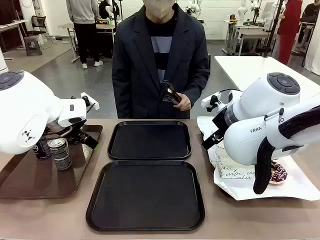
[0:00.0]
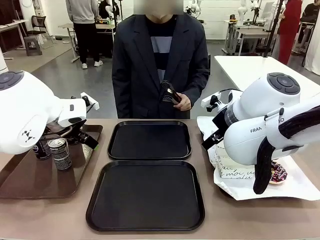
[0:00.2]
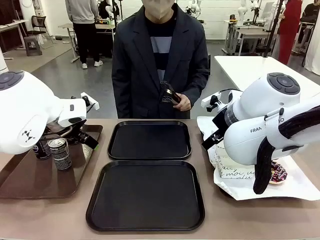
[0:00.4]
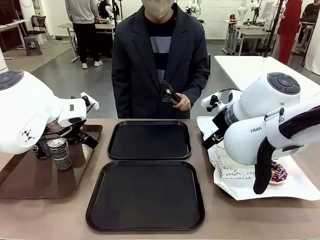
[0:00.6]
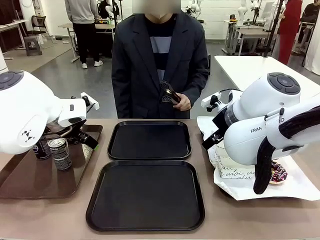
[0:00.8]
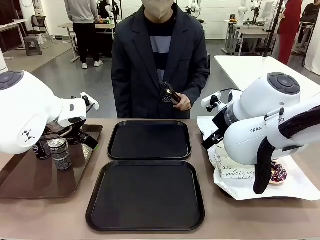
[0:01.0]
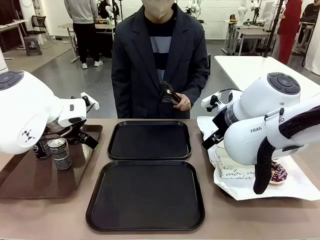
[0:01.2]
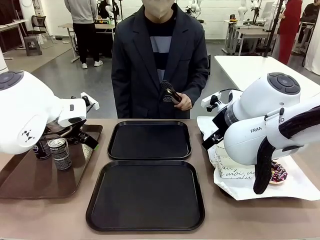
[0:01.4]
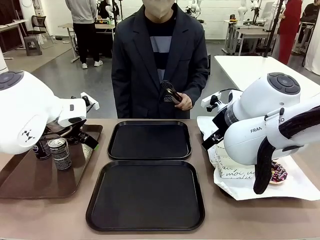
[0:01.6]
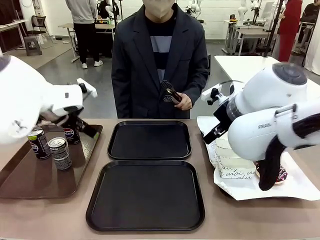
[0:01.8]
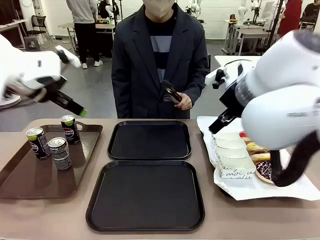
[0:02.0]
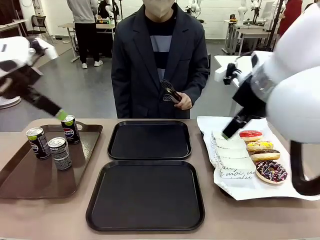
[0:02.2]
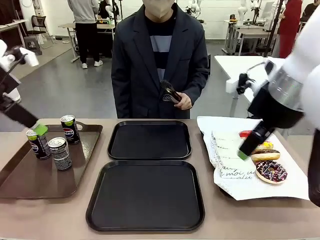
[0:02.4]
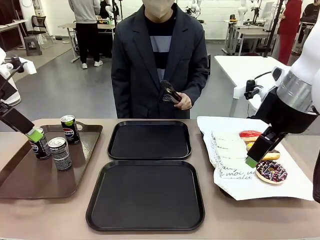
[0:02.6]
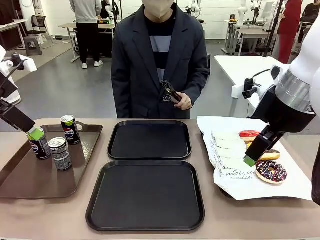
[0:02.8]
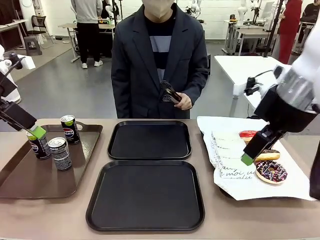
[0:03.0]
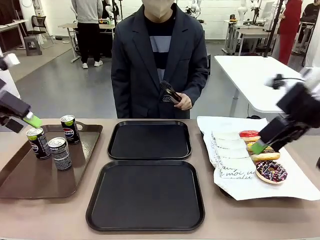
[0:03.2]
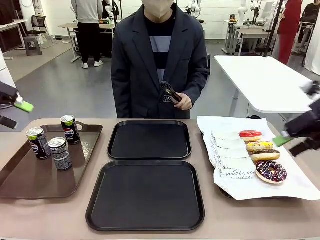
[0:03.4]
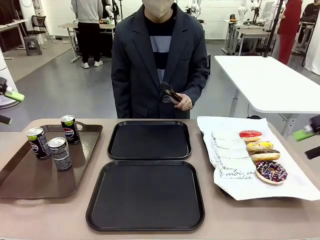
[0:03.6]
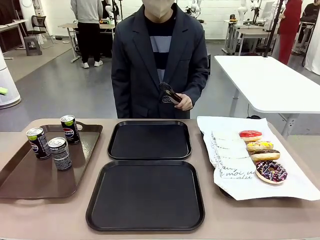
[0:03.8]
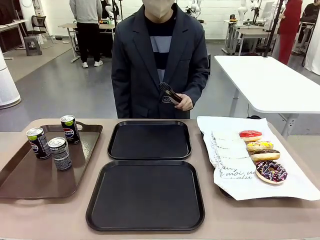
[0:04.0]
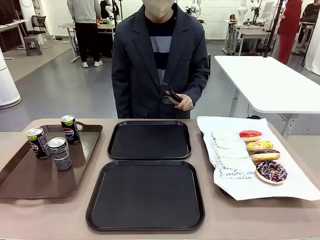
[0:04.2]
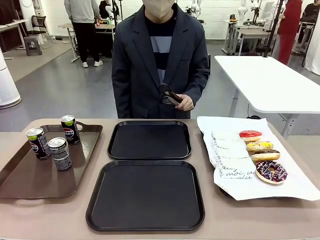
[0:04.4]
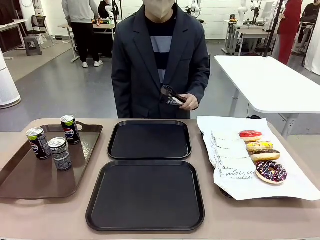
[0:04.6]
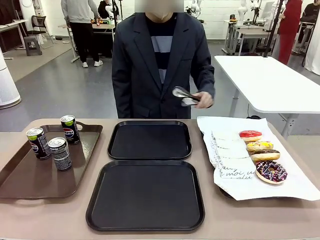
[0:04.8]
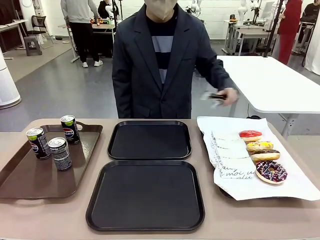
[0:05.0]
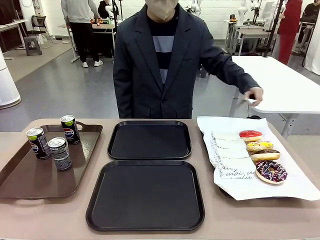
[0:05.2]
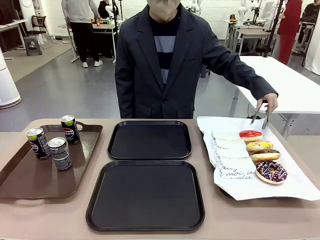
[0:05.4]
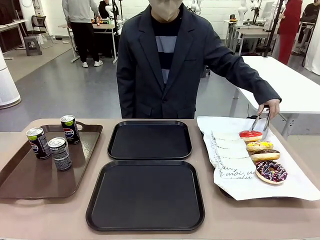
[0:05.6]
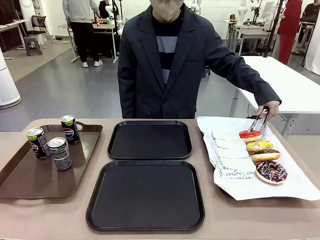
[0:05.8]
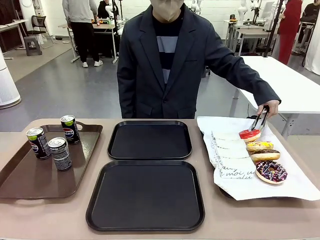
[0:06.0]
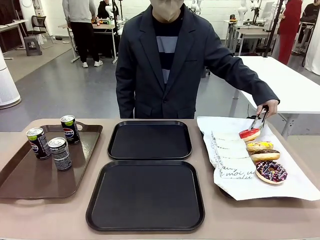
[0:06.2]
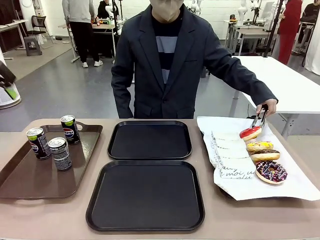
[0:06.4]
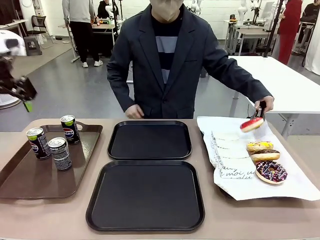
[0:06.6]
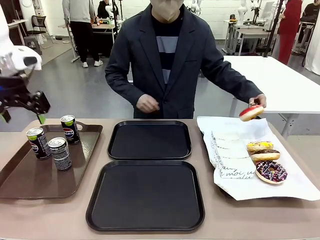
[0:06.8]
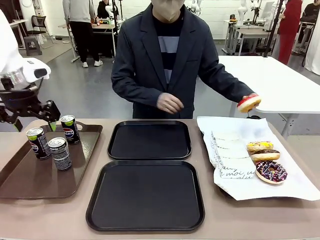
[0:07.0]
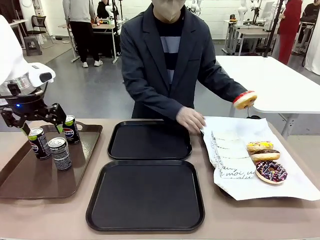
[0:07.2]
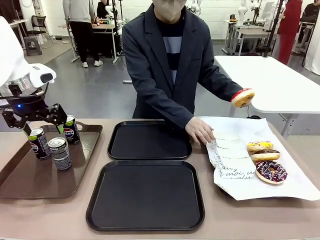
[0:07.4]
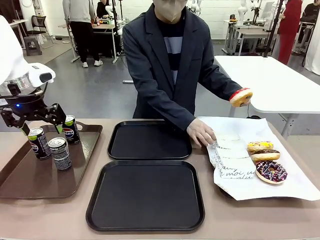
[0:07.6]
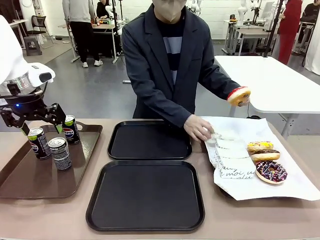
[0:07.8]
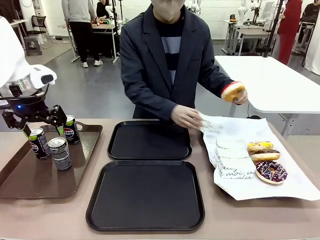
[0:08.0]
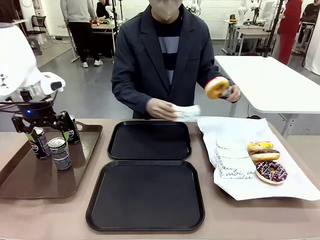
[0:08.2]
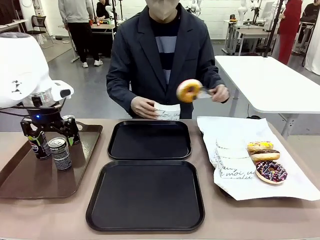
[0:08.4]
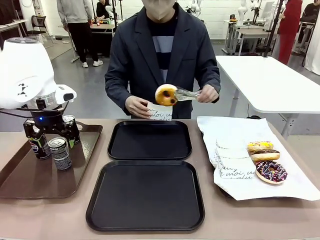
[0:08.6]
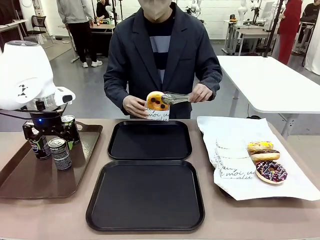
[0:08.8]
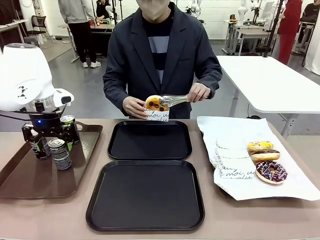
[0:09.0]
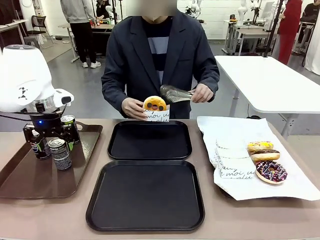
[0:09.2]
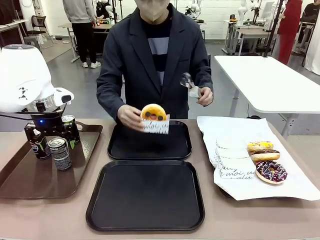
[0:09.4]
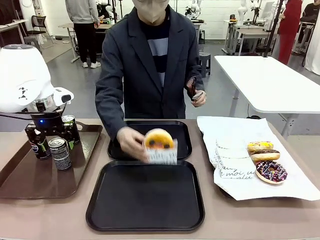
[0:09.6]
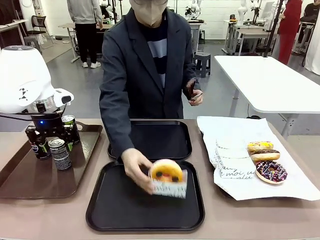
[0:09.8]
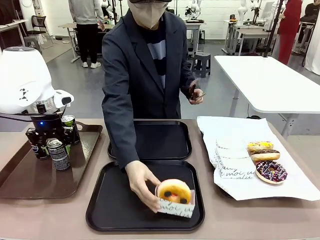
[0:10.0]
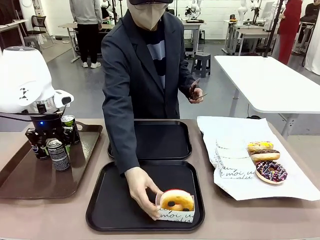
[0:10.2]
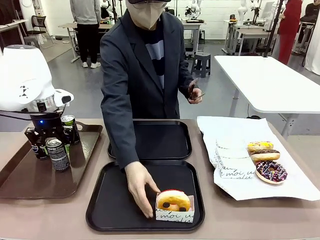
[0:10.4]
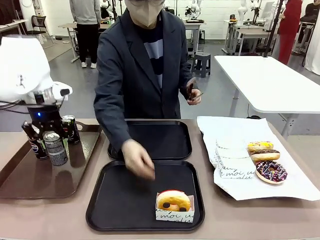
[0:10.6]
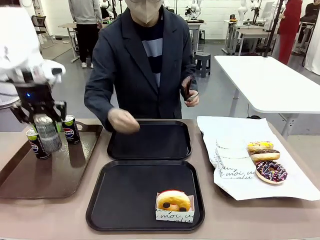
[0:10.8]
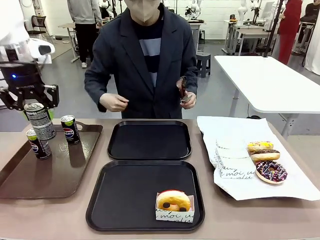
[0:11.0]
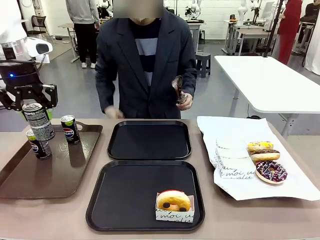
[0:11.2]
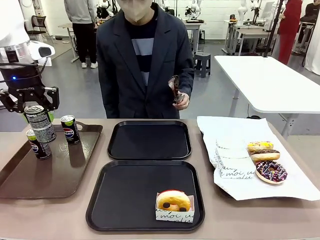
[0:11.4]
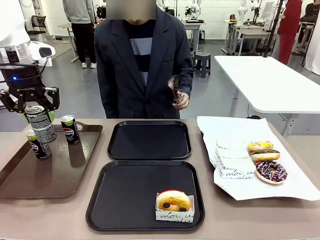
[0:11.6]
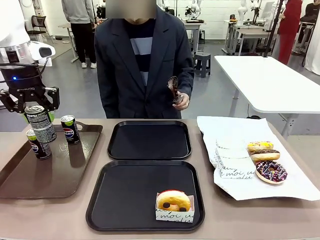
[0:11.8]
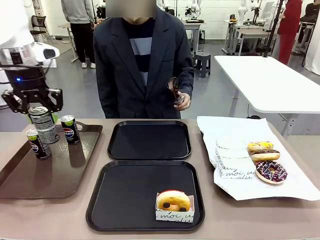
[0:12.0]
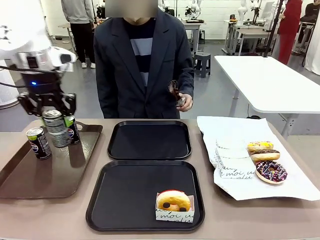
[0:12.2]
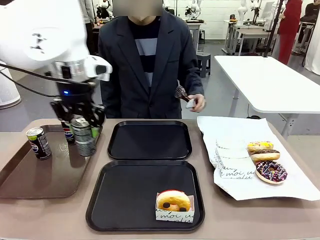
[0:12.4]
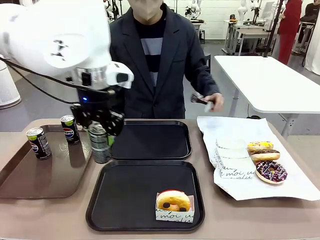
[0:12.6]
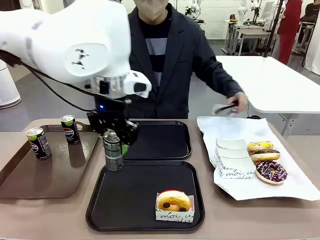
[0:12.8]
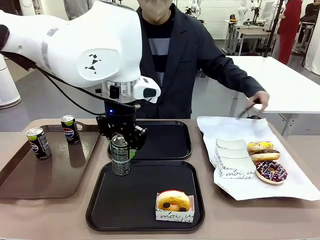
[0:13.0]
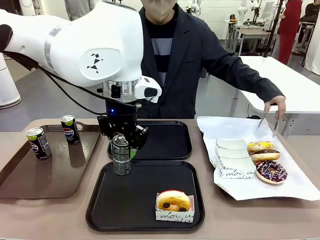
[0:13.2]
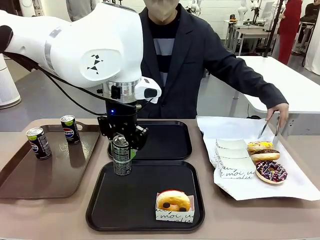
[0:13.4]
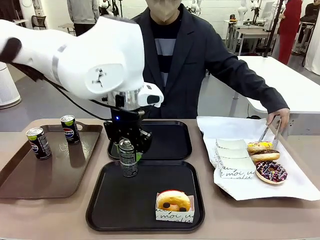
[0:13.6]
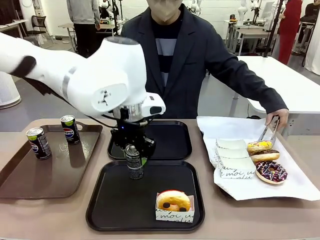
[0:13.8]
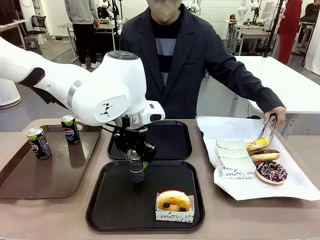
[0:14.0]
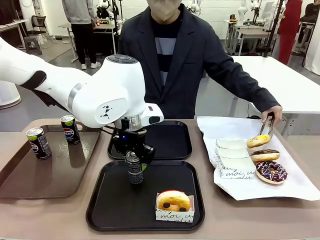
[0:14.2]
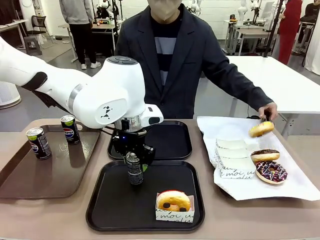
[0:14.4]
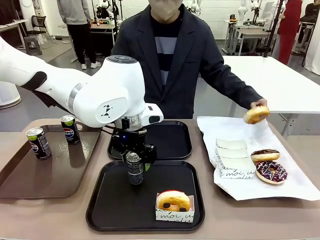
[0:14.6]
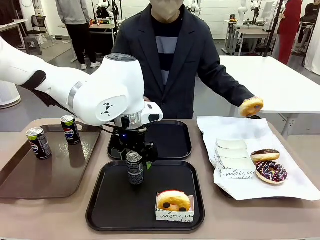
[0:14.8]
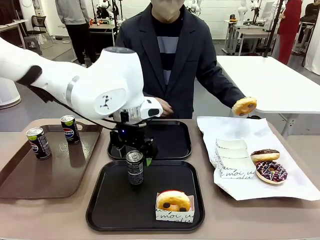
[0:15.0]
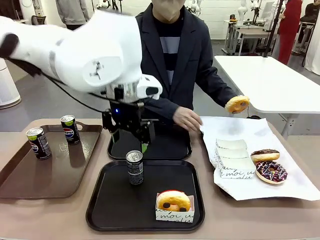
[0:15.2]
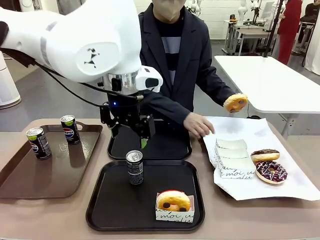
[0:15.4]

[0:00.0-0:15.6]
Task: Set up donuts and drinks on trays.
Robot: Pick up one Pepsi coke and place it on the Flat Tray.

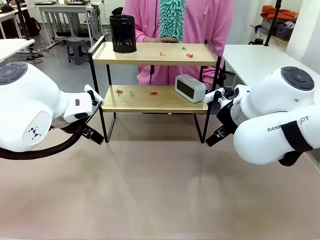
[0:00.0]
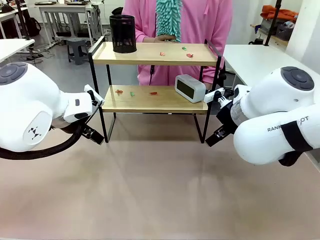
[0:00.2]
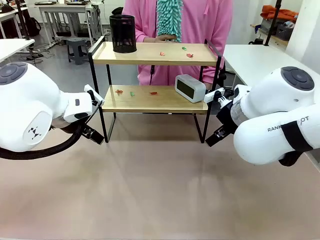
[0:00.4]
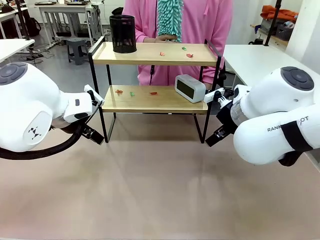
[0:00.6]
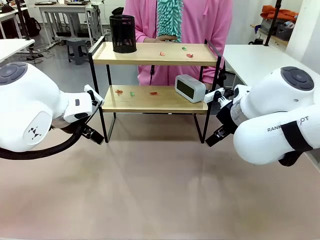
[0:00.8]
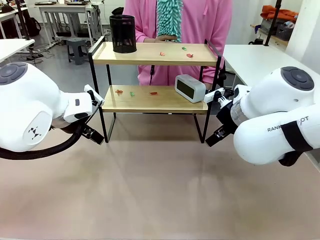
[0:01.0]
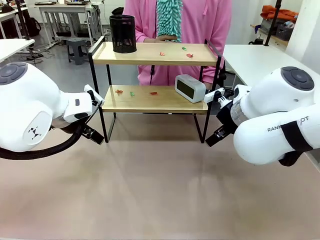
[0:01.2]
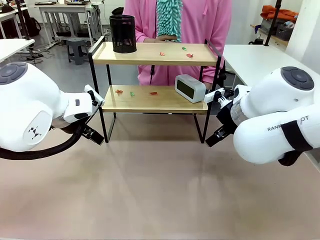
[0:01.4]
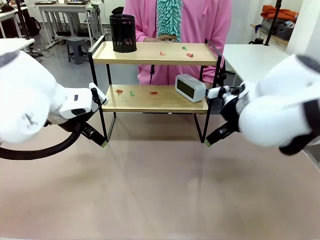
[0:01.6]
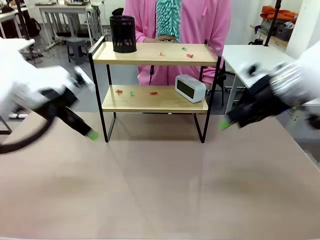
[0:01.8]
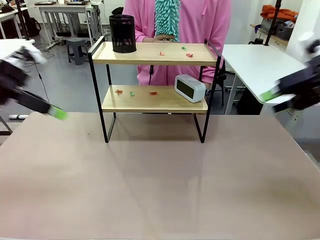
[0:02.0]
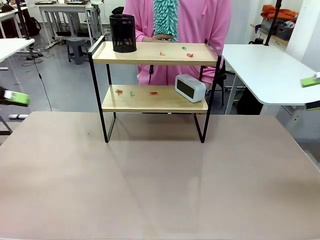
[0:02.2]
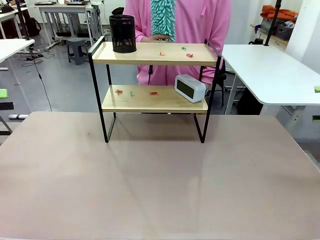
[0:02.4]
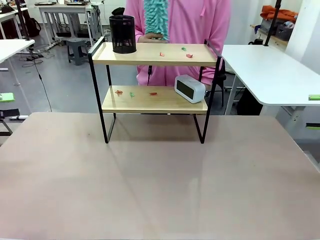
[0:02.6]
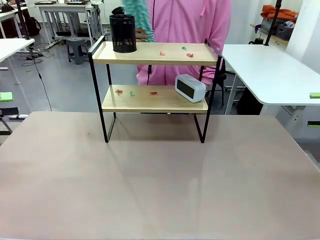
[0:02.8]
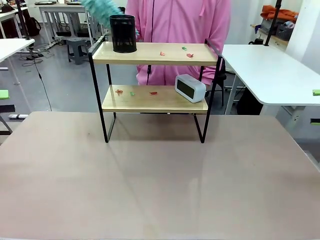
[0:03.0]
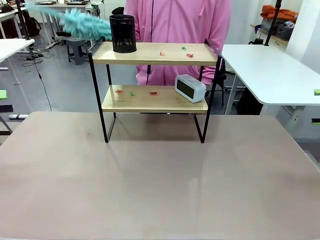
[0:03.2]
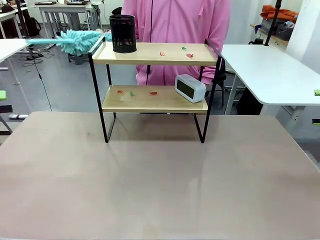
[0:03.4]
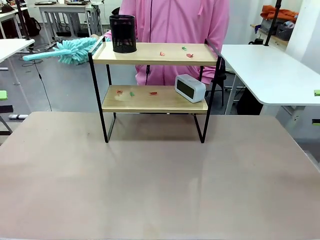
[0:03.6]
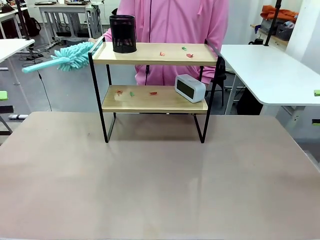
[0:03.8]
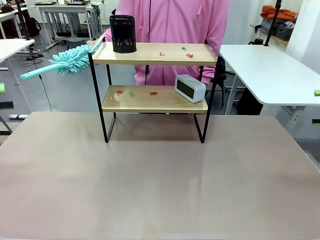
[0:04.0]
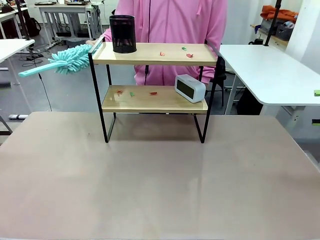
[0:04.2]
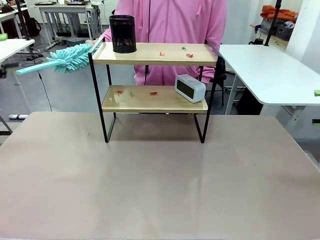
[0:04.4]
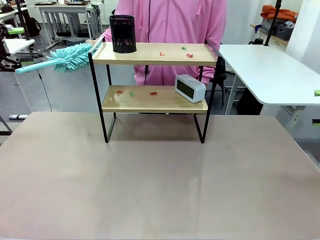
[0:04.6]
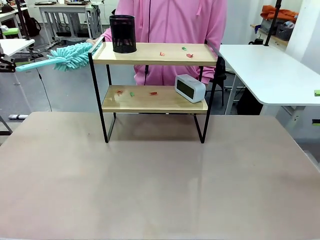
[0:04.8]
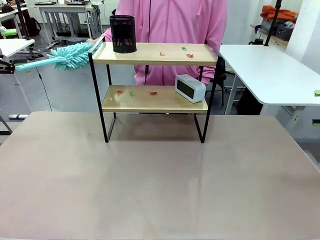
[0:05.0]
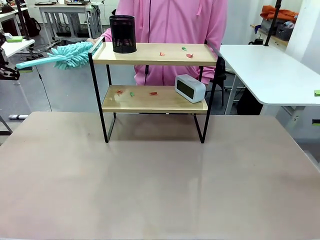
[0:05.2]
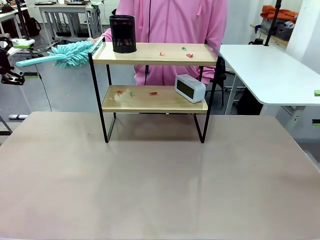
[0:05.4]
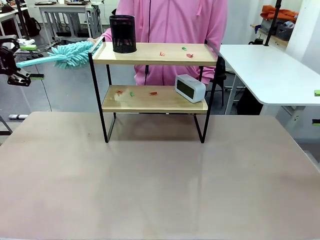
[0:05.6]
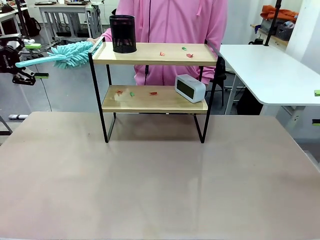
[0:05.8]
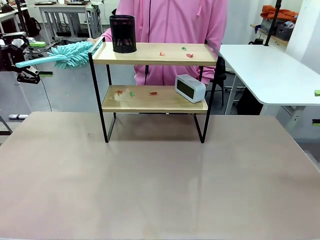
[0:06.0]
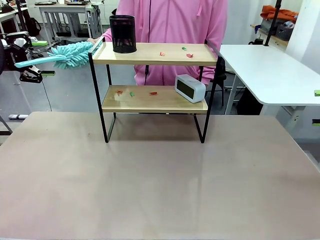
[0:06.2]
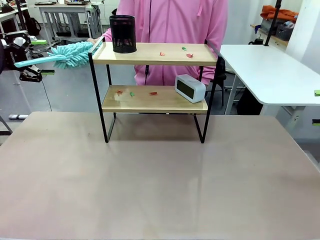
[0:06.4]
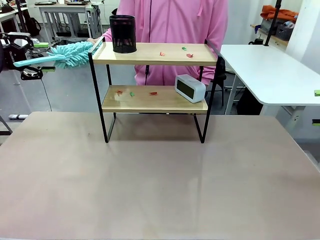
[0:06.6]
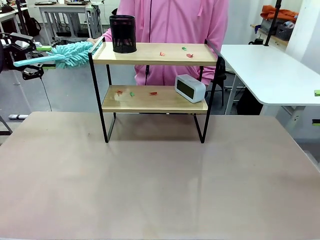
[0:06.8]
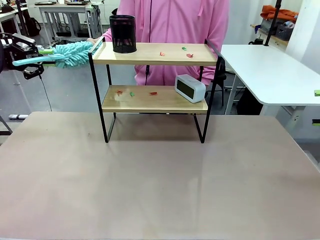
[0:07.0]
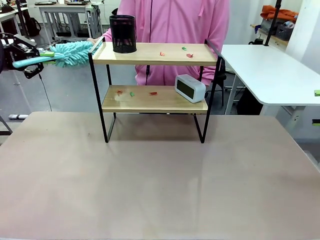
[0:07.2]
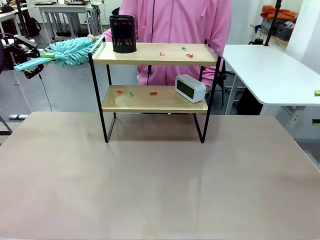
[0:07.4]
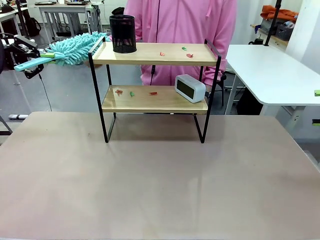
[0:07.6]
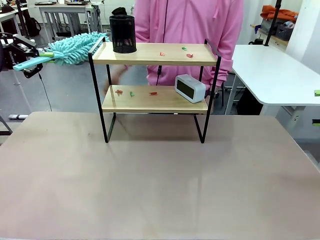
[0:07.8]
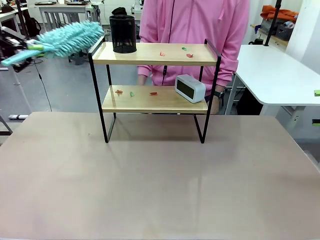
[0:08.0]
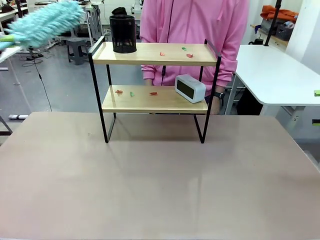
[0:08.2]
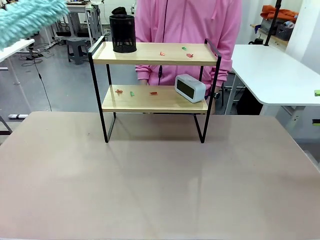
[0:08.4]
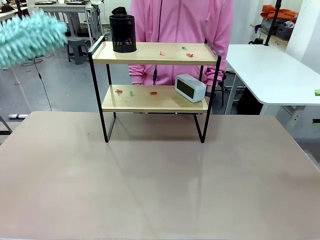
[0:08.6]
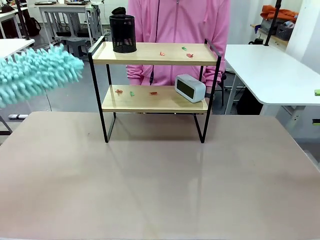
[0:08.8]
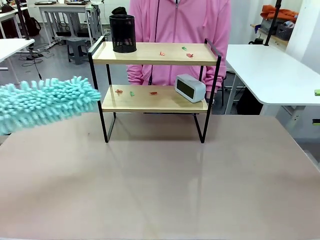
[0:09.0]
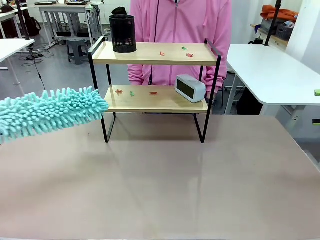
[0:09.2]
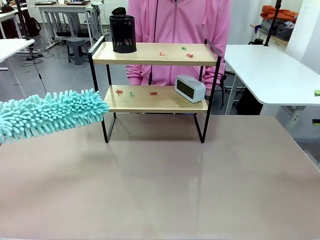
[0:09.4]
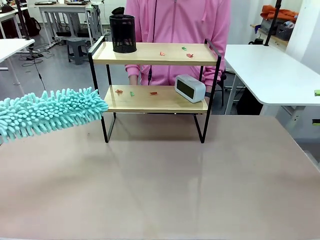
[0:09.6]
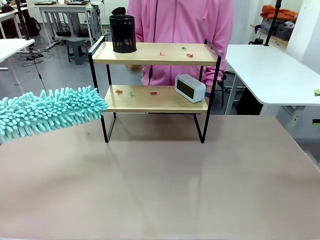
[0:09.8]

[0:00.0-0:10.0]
Task: Clean the shelf.
Robot: Pick up the Duster from the human.
Person: Hand the Duster to the robot.
